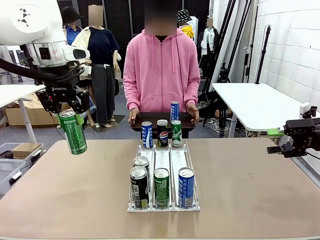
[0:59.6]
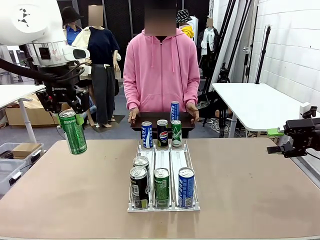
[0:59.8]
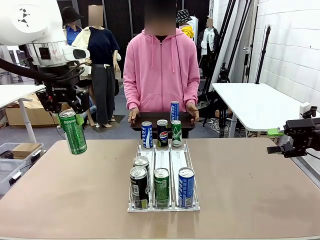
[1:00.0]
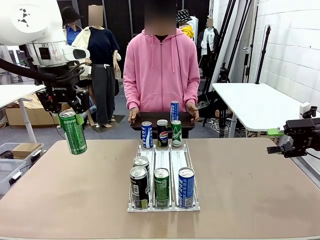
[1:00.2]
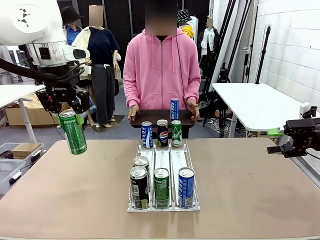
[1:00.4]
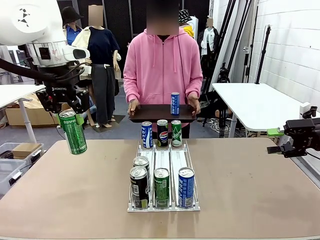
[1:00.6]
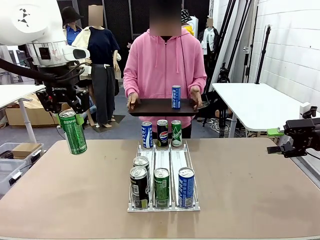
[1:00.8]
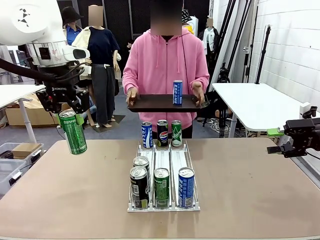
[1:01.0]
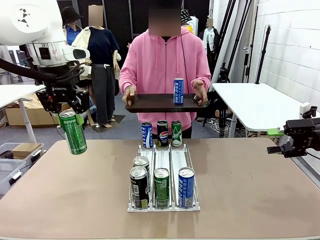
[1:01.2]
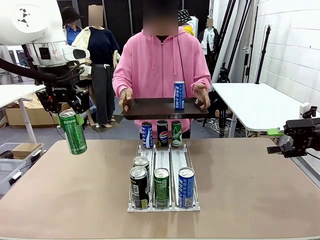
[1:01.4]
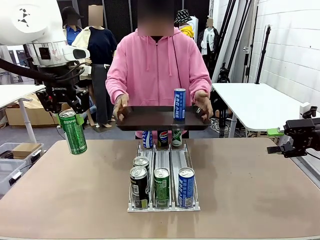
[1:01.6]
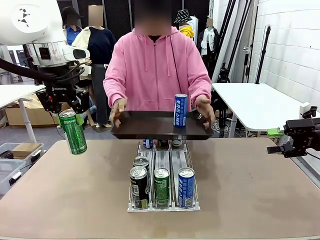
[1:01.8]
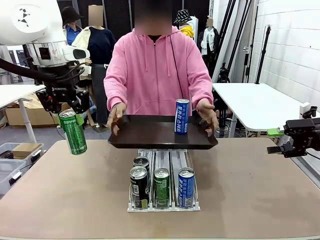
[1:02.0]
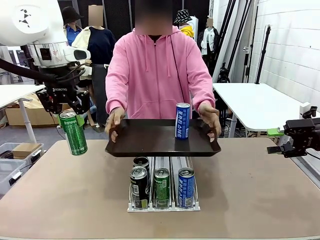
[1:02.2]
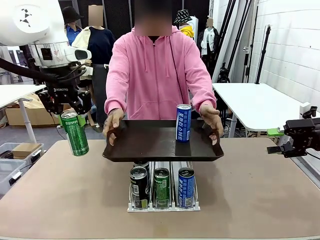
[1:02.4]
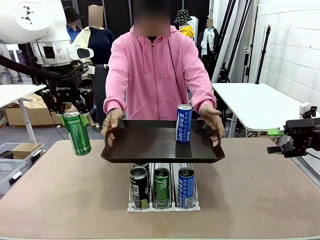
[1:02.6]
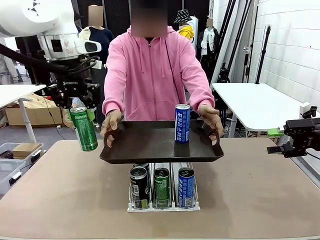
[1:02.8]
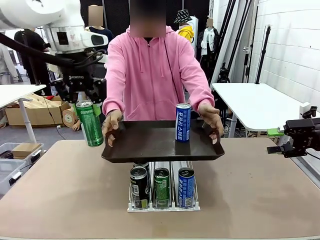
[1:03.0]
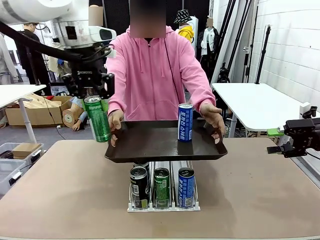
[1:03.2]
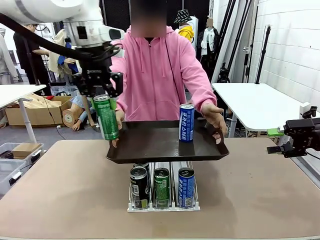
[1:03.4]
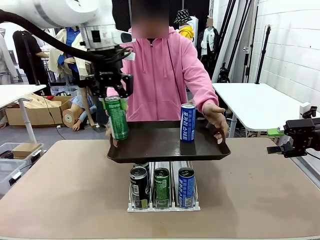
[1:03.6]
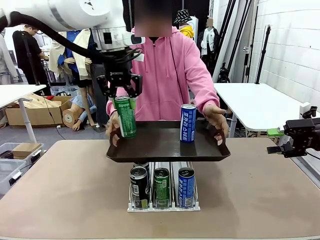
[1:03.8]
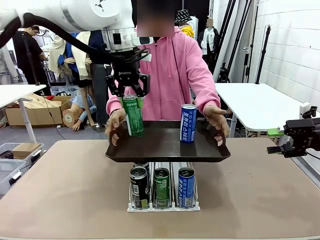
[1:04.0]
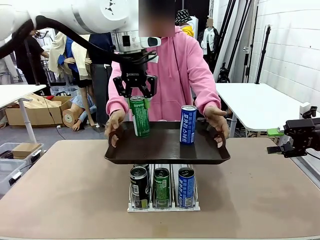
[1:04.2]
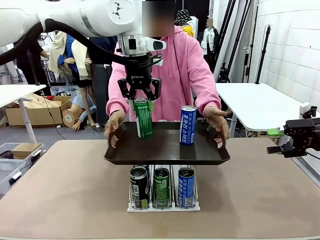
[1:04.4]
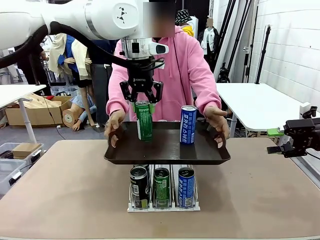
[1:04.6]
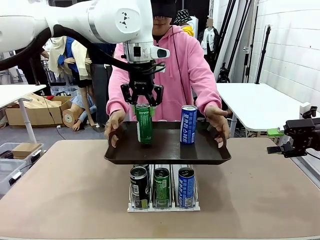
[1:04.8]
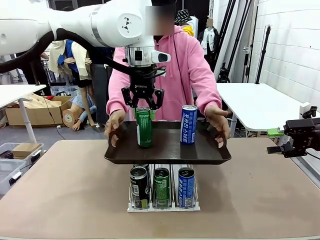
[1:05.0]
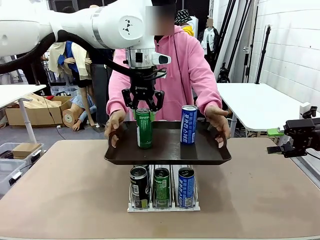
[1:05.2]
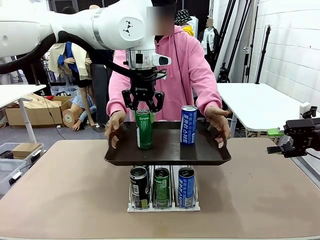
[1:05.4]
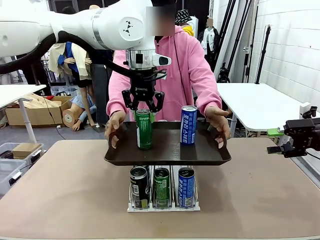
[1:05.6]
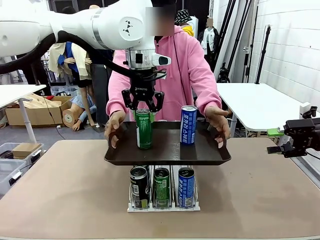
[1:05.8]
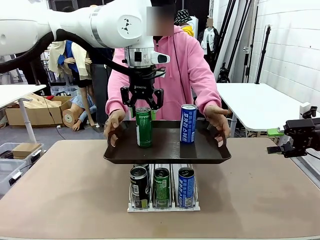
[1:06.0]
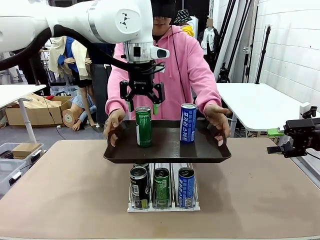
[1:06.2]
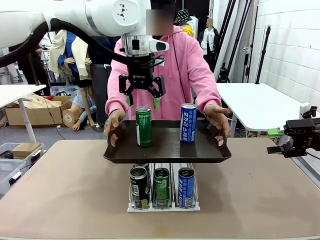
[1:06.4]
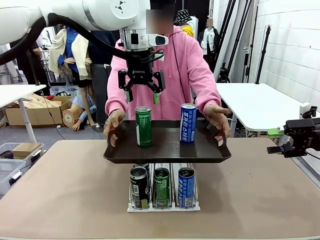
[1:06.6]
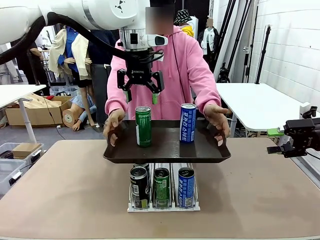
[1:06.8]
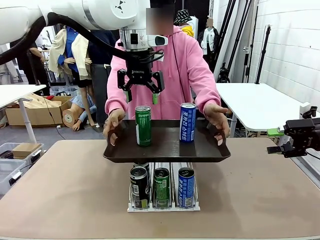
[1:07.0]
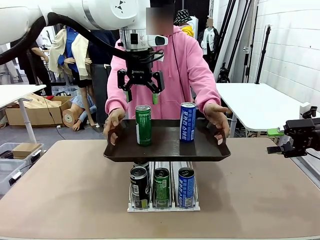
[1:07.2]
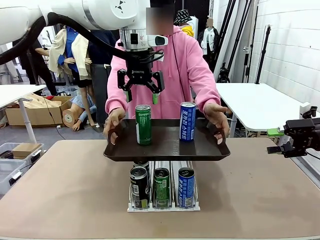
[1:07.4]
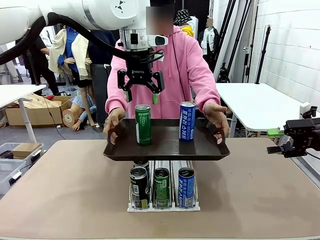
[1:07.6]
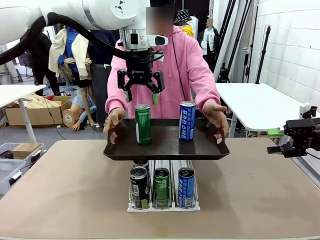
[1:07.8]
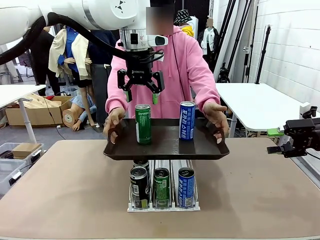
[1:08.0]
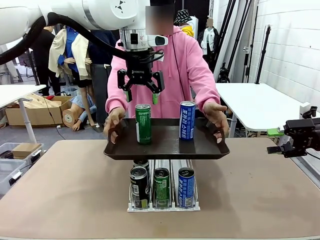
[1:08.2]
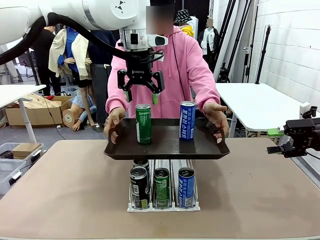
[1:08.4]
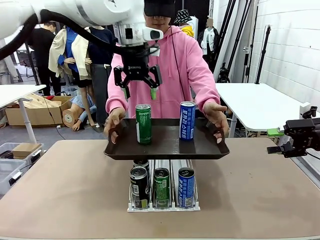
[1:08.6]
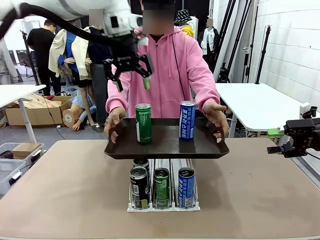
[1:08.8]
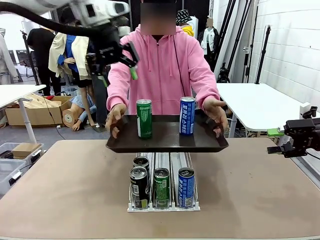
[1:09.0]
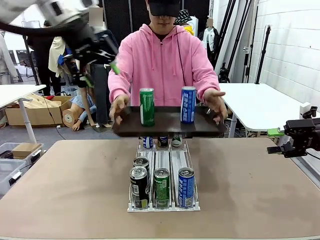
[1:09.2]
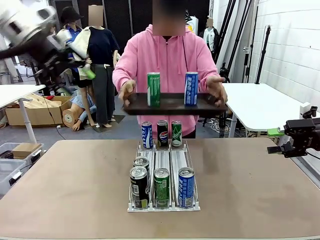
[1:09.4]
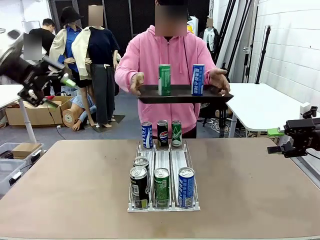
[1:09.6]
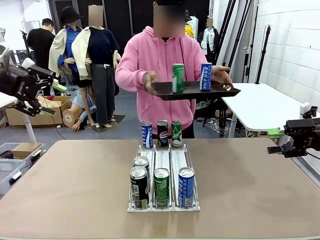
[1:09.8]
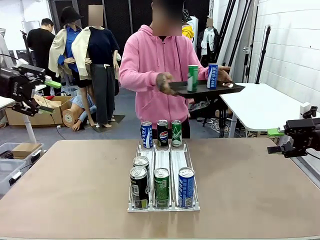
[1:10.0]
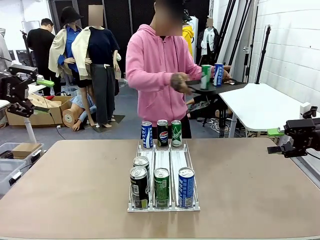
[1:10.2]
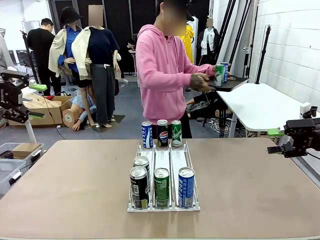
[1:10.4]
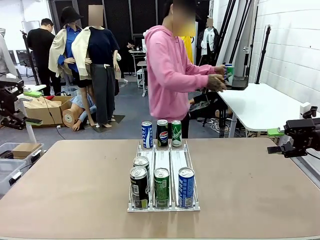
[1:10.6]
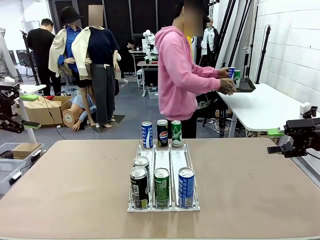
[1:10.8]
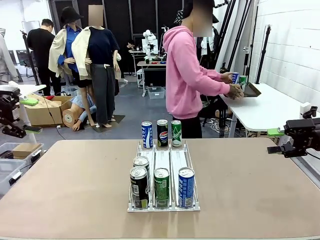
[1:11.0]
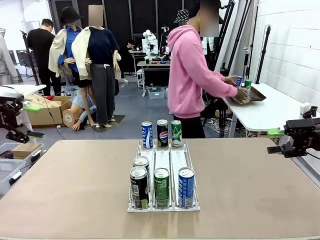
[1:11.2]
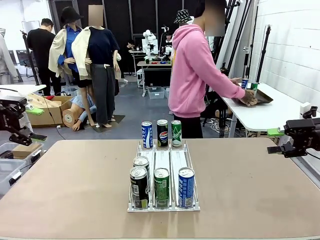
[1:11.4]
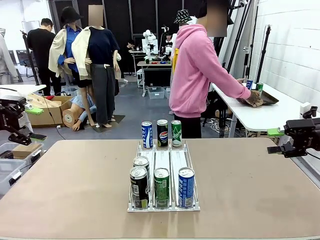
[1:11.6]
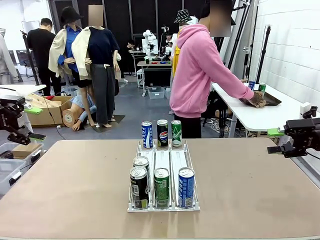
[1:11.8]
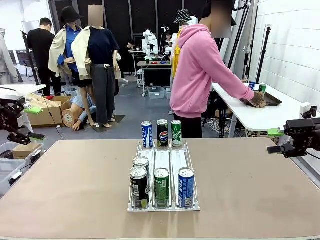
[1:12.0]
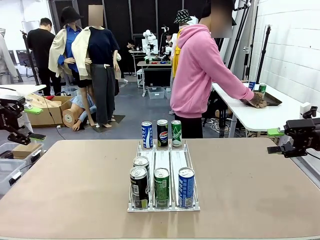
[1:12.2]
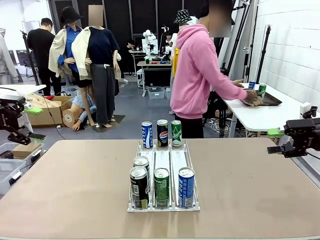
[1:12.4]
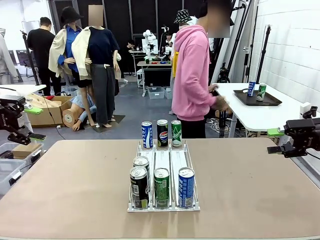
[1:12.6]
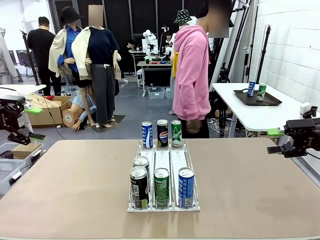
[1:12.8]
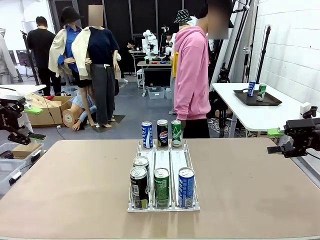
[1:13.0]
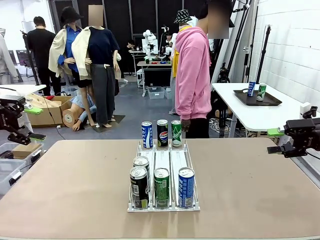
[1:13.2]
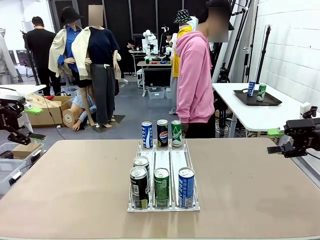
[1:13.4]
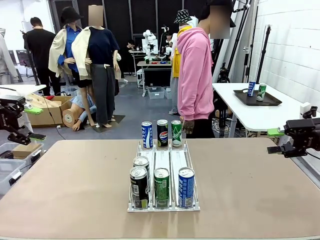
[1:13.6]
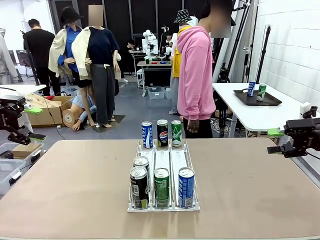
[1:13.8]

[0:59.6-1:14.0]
Task: Retrieve and hand over the desired beverage to the person.
Robot: Place the picked can on the Handle tray extended by the person.
Person: Pull the tray back and place it at the center of the human table.

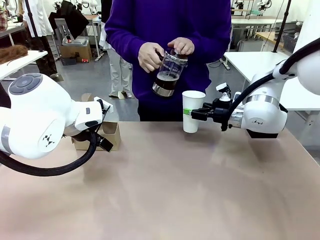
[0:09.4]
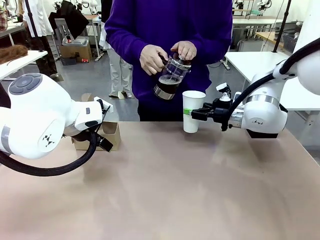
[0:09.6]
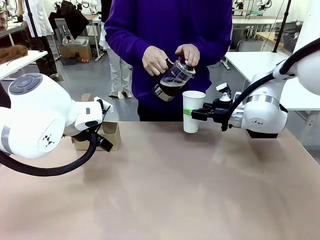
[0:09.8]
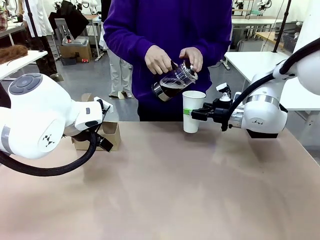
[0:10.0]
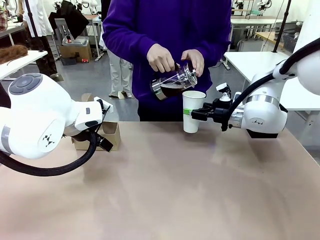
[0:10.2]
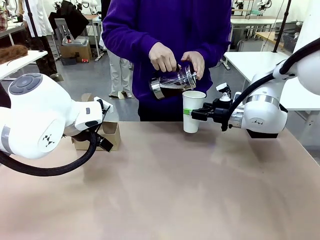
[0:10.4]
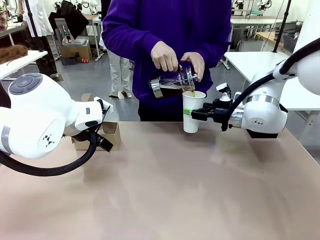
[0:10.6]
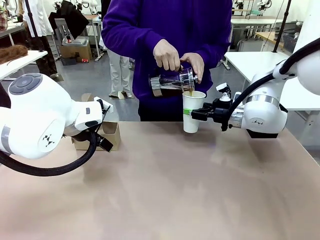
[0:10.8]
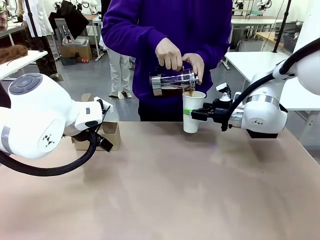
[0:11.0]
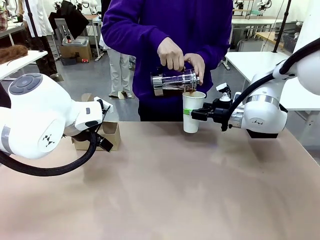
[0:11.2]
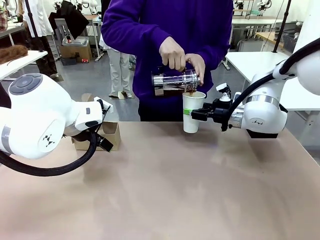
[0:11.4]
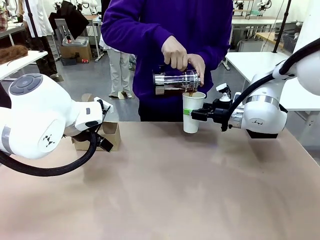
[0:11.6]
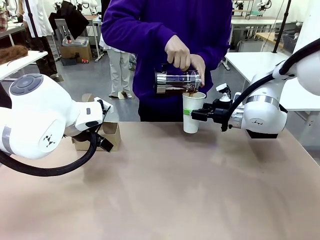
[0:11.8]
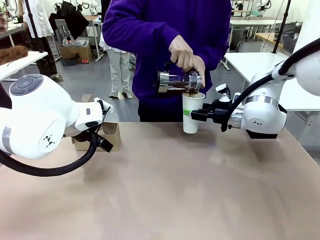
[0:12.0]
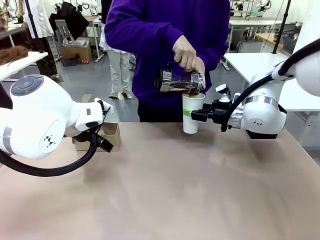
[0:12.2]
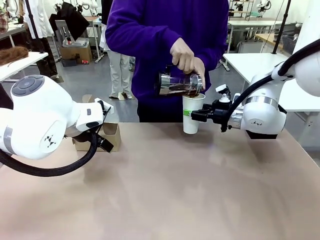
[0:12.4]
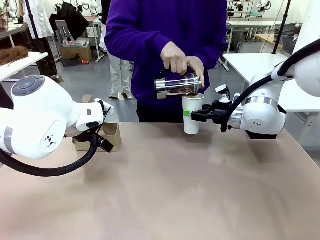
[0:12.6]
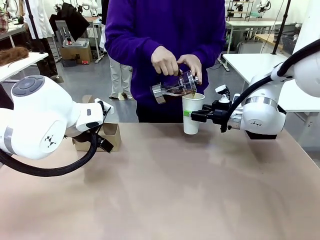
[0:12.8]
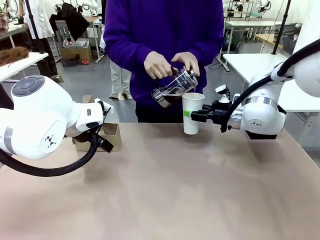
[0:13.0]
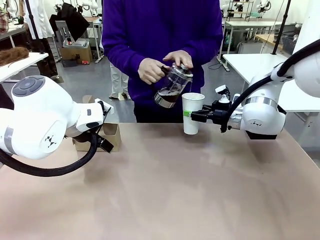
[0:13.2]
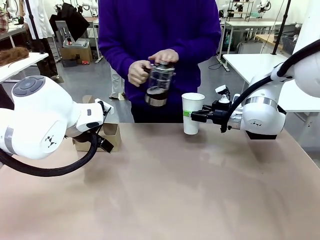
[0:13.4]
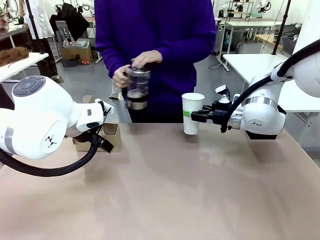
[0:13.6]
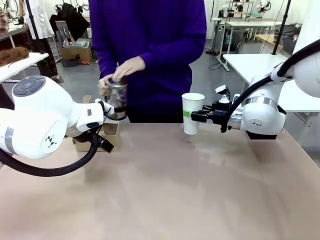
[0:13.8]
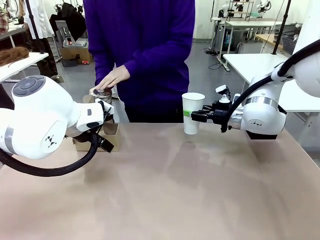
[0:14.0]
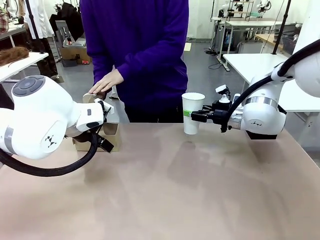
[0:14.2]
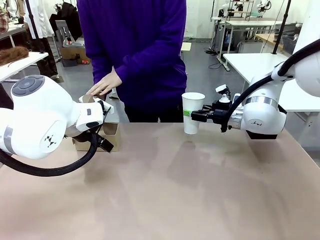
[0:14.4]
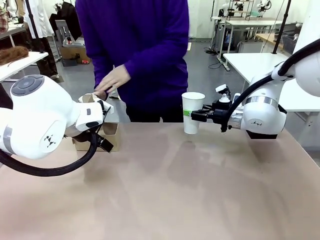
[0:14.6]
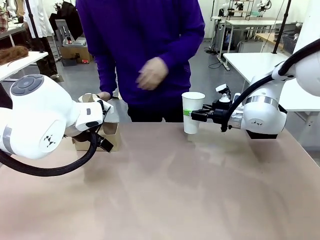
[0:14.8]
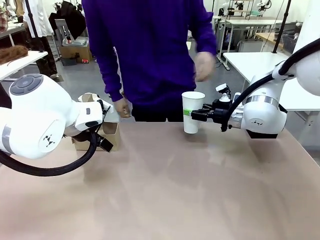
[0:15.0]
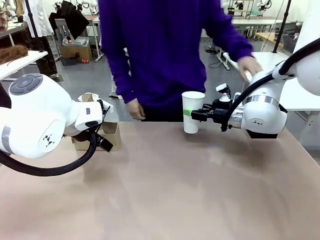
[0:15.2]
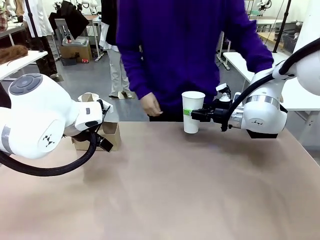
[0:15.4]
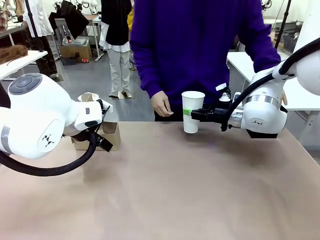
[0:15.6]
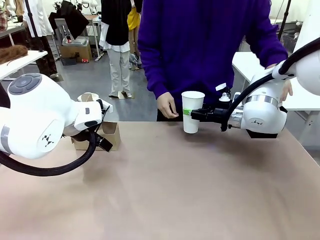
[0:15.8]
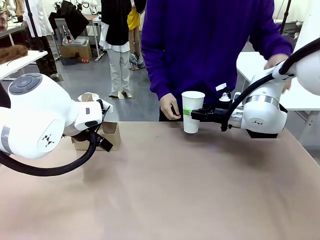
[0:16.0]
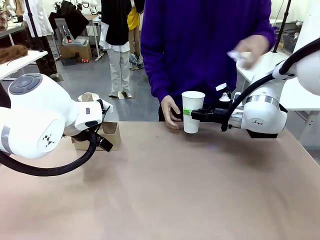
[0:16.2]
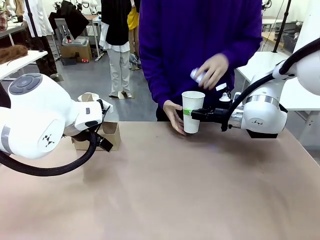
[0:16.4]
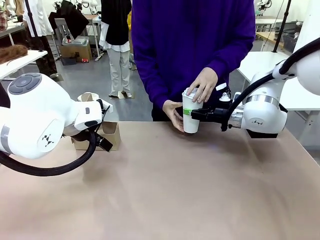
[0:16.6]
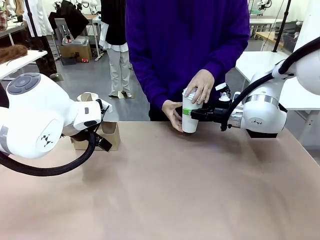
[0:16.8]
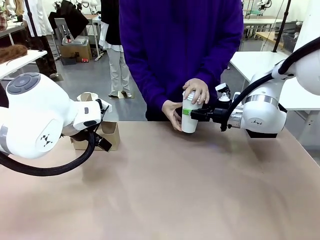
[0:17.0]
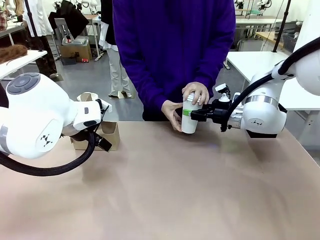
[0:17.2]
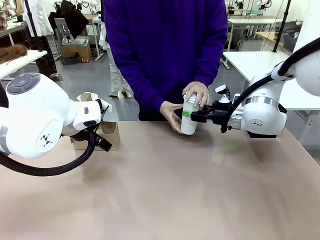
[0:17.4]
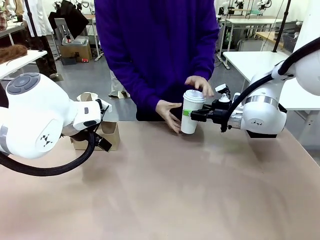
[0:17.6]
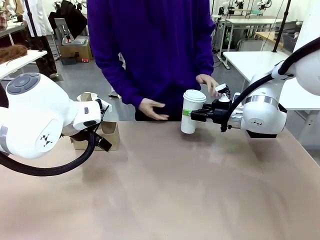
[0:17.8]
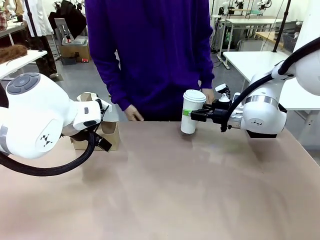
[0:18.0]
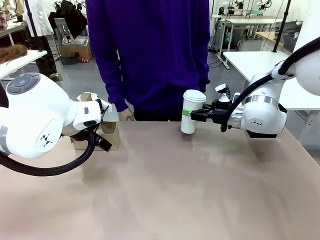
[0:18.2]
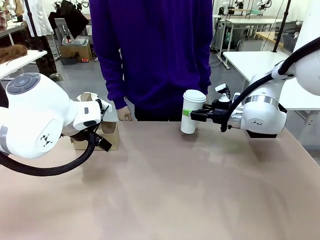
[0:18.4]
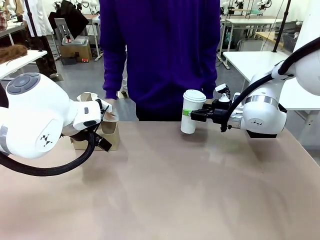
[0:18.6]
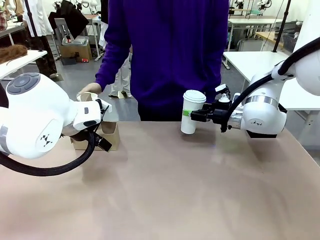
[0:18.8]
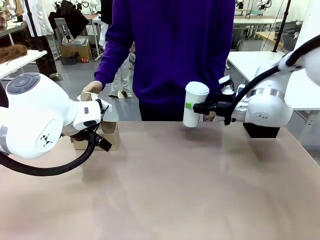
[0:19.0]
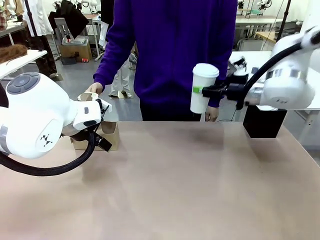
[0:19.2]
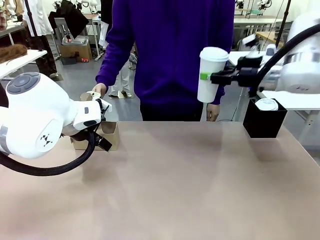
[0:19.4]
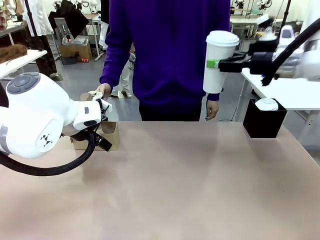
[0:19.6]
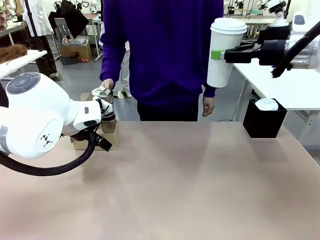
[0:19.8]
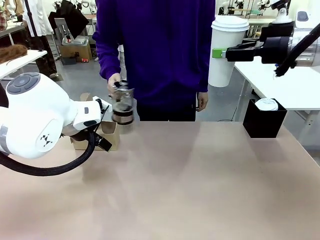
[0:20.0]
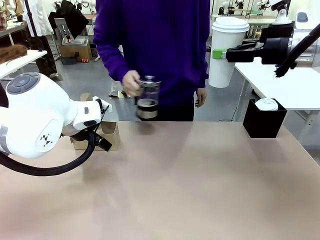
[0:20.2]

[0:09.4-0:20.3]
Task: Pour a drink into a cup and package it in a carrier.
Robot: When a person places the Paper Cup Lid on the 600 ml Paper Cup , lift the 600 ml Paper Cup.
Person: Pour the drink from the Filter Brewing into the 600 ml Paper Cup. Place a Paper Cup Lid on the 600 ml Paper Cup.
